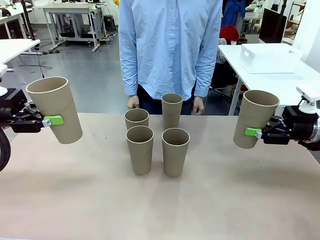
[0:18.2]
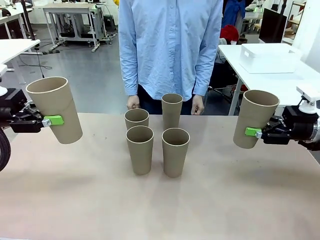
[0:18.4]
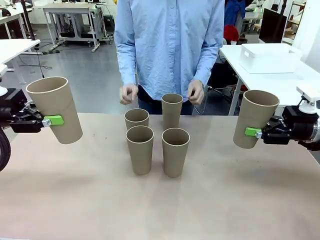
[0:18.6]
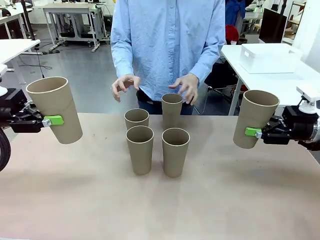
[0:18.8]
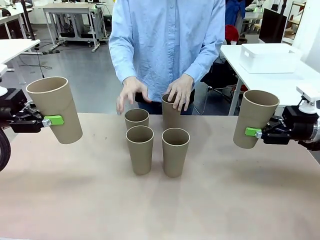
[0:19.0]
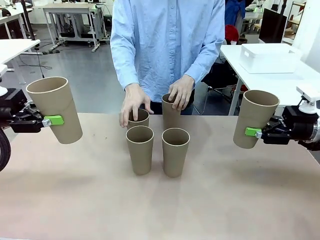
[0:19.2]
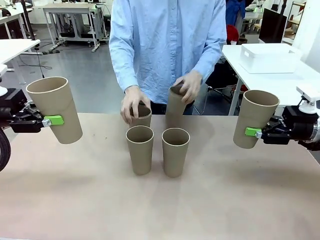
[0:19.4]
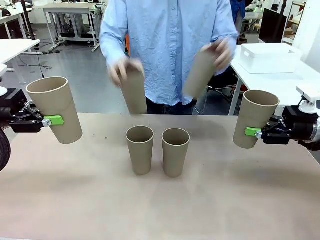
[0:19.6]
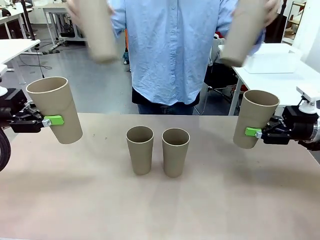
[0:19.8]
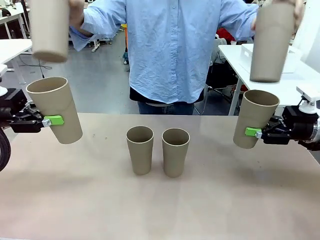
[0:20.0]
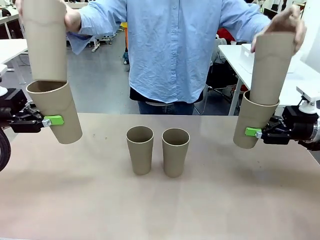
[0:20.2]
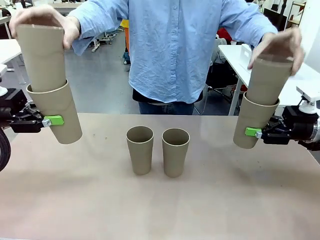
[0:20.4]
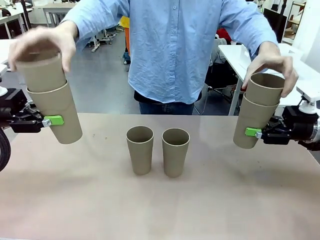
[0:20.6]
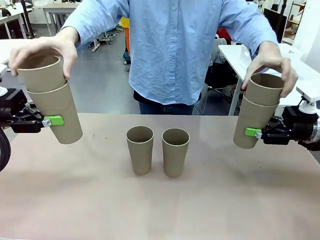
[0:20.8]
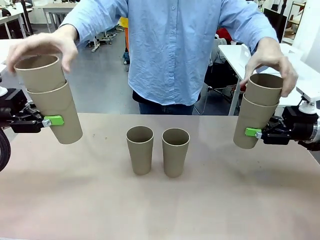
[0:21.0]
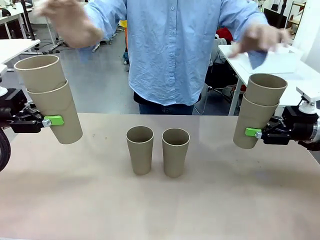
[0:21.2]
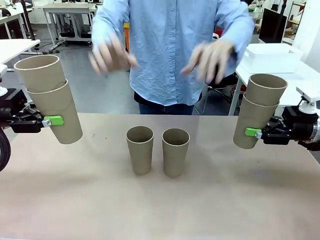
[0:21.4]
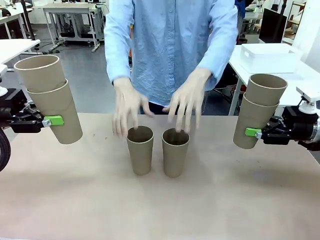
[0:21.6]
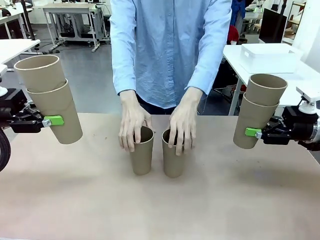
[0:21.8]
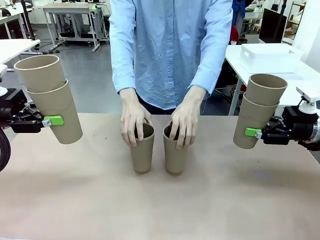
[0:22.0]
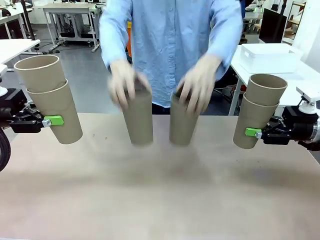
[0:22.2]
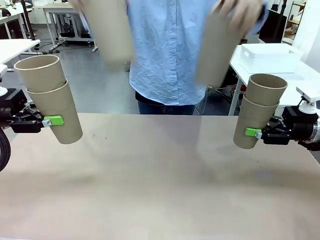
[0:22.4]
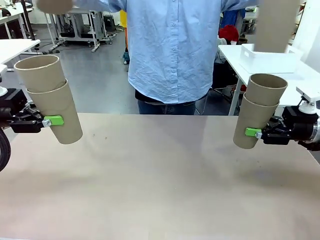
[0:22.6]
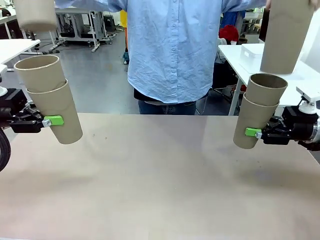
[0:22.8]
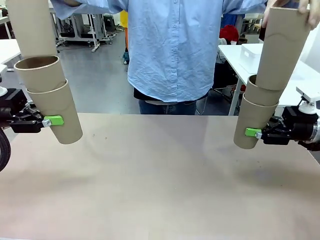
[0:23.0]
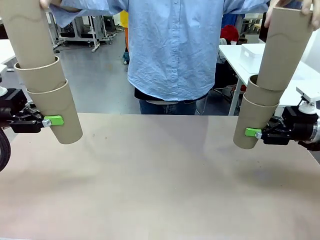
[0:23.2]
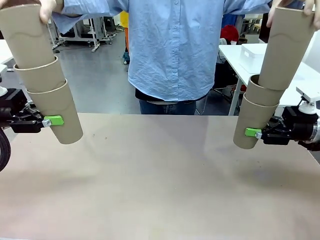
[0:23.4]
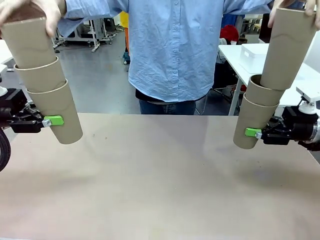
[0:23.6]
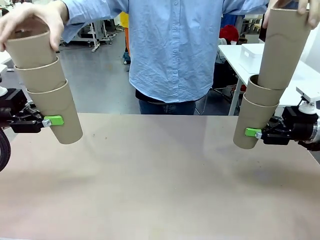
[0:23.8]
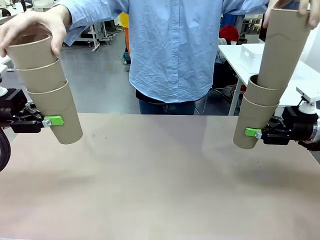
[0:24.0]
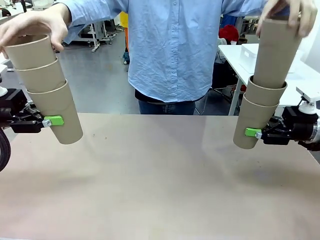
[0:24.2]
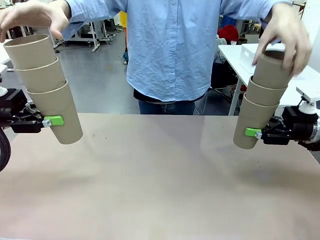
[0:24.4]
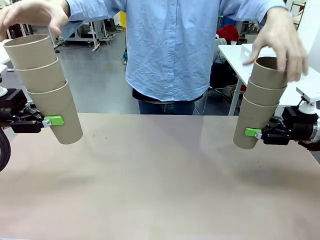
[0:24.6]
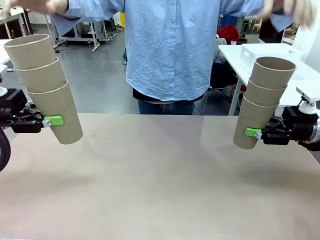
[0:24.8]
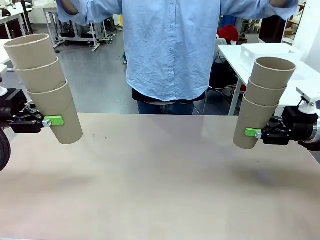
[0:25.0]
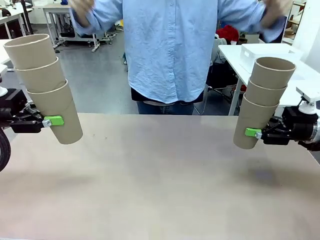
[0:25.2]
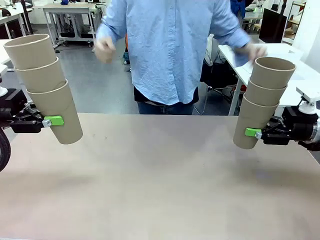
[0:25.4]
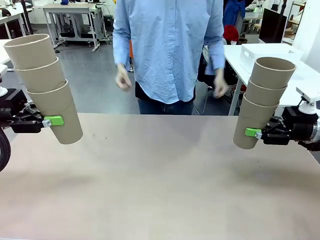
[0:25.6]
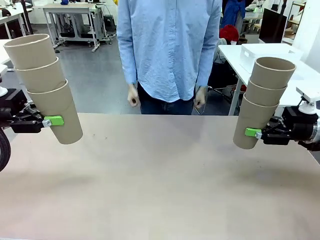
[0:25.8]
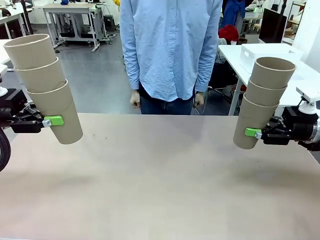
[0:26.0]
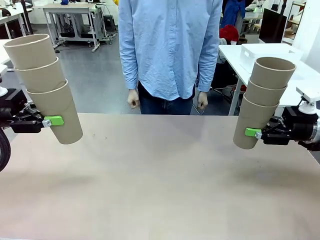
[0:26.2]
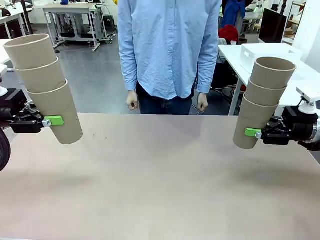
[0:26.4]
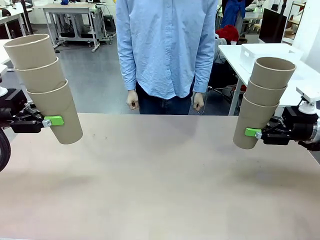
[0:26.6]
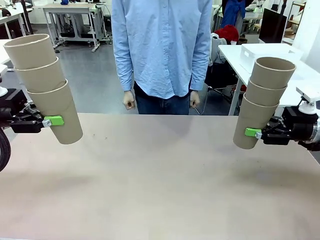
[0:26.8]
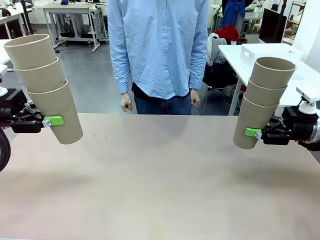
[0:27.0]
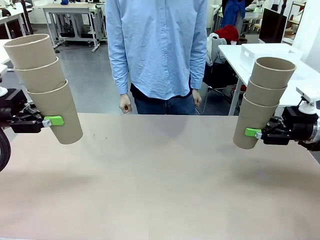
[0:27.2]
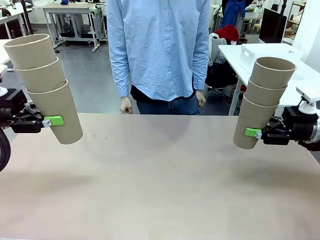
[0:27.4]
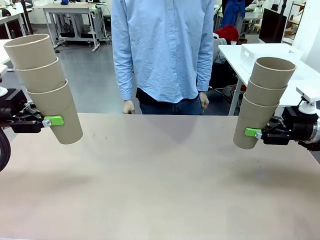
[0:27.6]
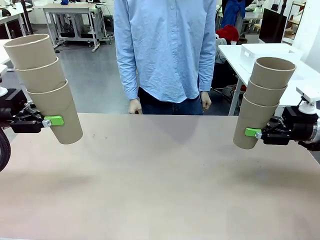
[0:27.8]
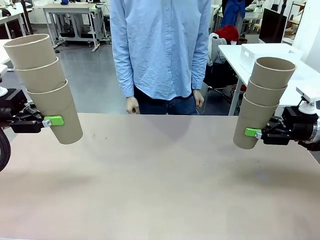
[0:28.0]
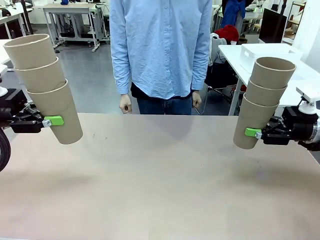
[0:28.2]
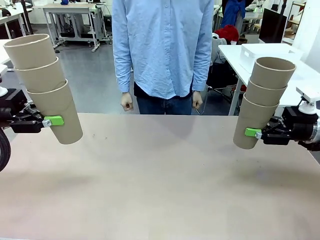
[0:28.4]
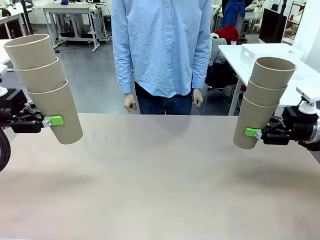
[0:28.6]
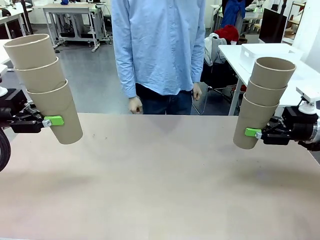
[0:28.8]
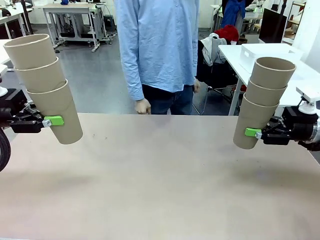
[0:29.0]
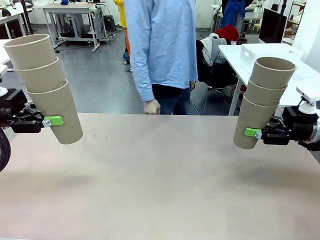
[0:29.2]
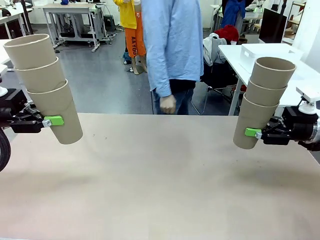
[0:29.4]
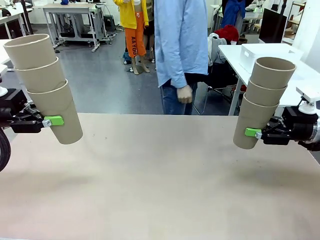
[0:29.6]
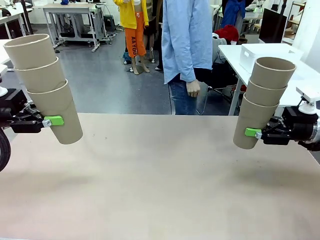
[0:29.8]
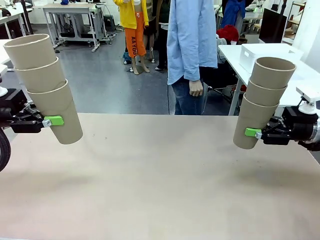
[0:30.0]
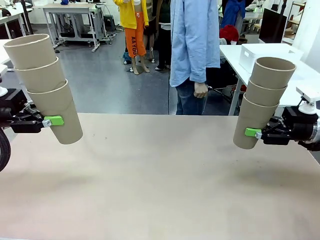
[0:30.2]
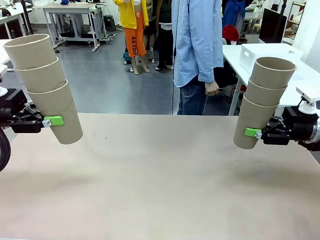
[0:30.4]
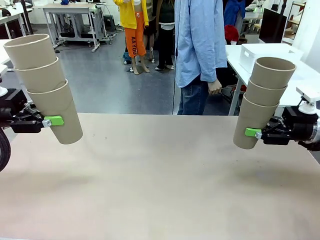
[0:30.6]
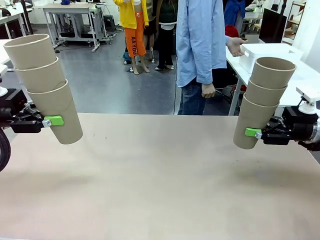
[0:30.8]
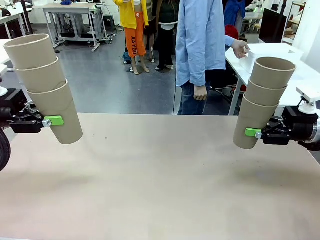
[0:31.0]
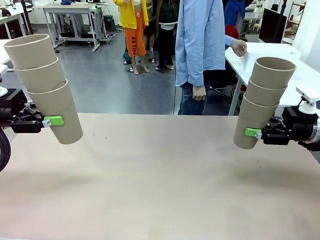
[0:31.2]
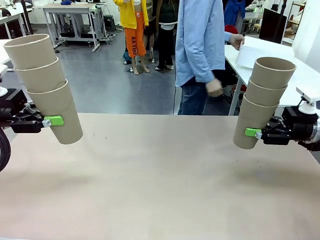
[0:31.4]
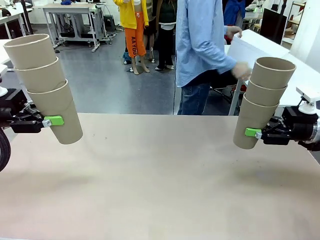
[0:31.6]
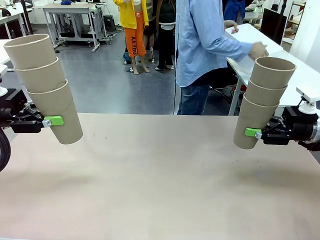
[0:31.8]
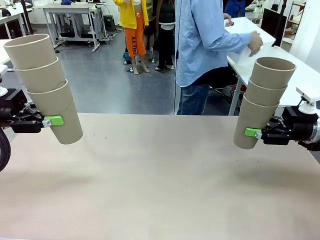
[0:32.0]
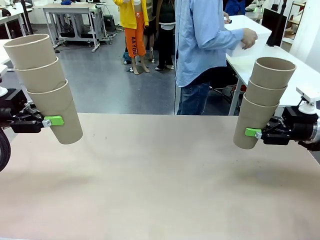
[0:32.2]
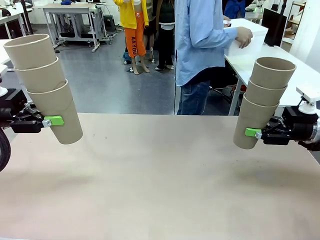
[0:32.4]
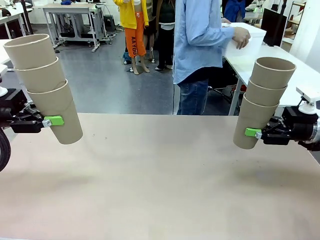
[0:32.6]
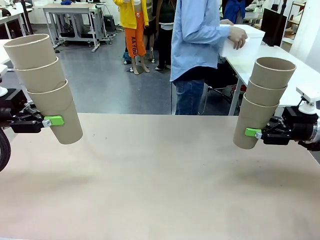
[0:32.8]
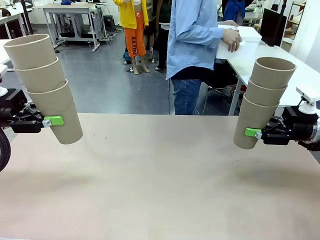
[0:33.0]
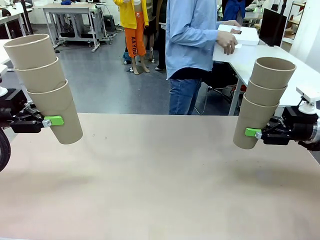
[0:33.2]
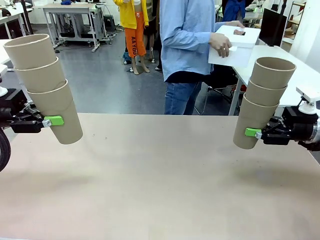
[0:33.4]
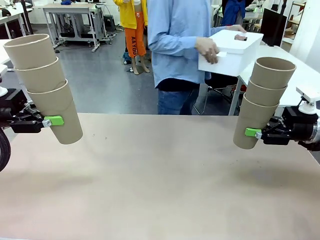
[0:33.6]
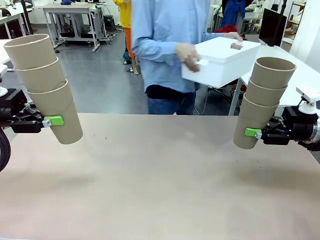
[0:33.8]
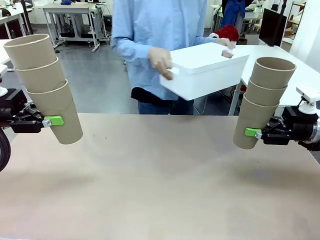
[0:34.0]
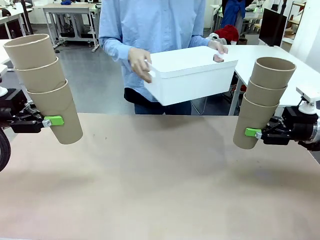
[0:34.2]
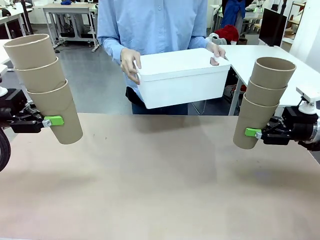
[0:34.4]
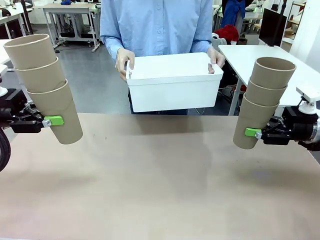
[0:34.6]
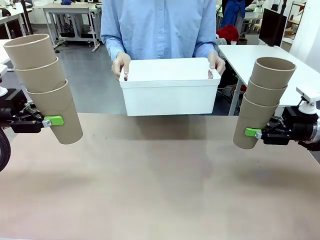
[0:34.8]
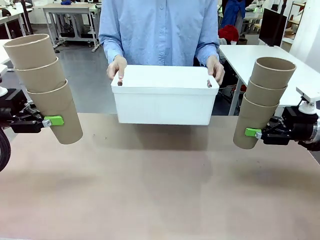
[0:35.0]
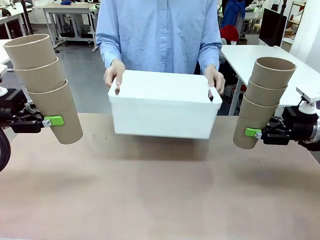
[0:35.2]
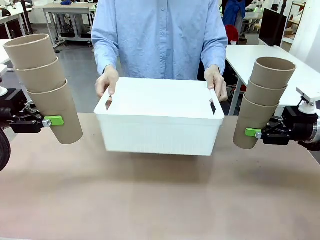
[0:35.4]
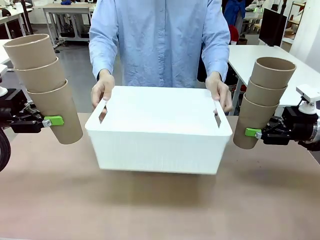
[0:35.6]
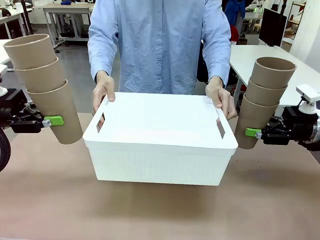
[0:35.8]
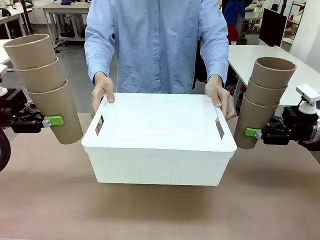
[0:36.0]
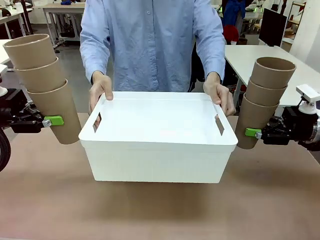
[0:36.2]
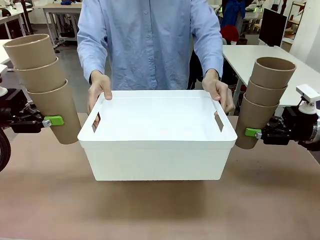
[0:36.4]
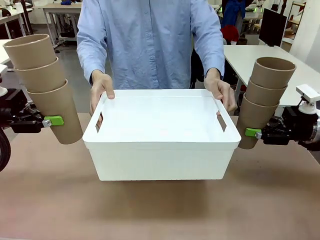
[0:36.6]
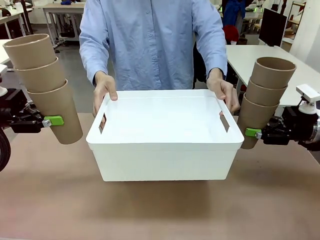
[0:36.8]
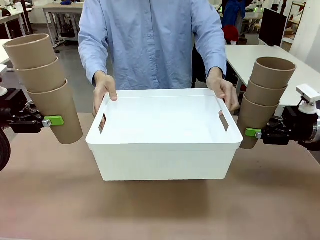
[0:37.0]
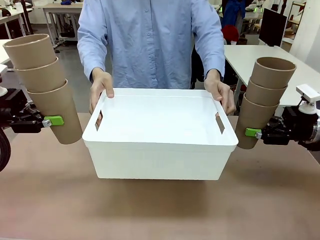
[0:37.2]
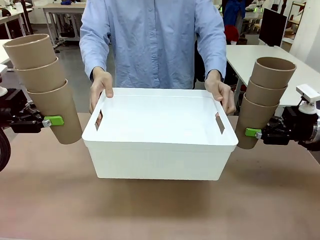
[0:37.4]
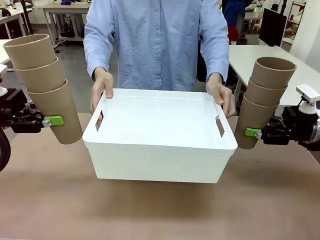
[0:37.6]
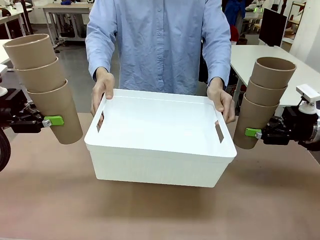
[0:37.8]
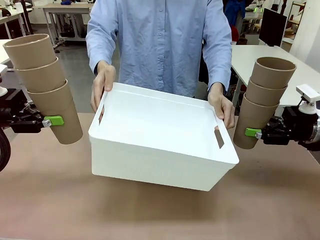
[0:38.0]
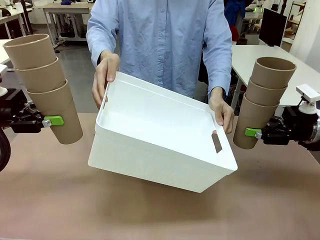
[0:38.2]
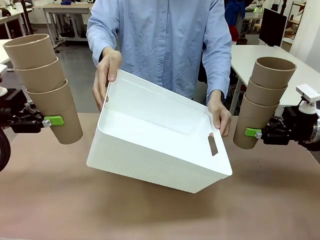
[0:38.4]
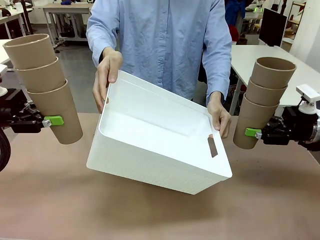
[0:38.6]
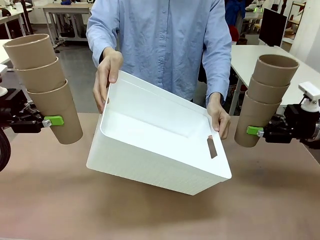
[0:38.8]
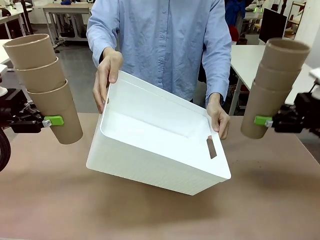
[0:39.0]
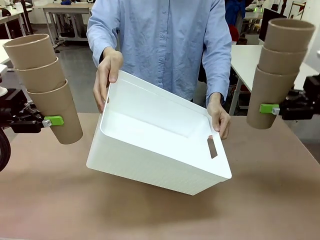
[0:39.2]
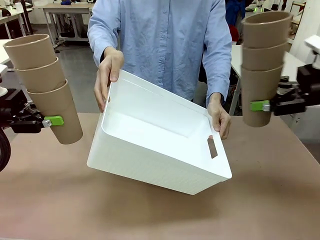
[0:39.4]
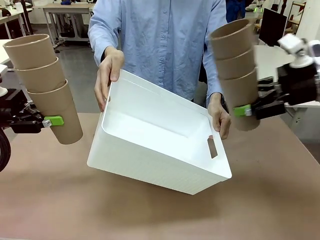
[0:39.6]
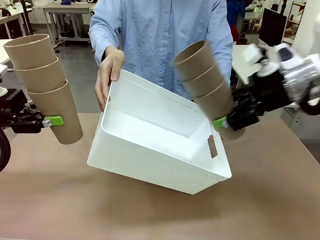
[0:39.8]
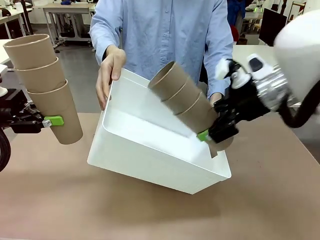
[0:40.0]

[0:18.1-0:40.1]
Task: Stack the cups and store them in the basket.
Robot: Place the stack of Reusable plastic cups into the Pantry Basket.
Person: Pick up the basket from the Human Table, bring it to the front of the robot, and present it.
